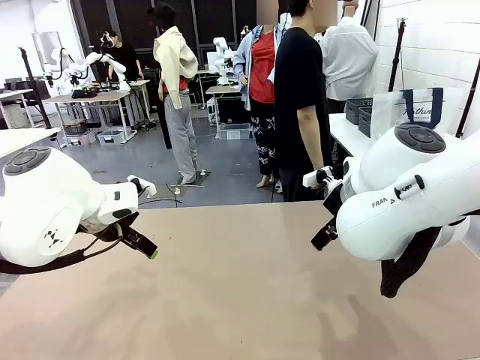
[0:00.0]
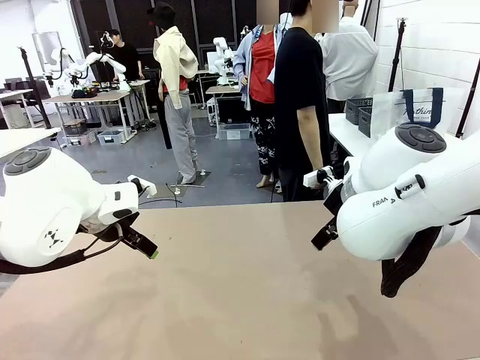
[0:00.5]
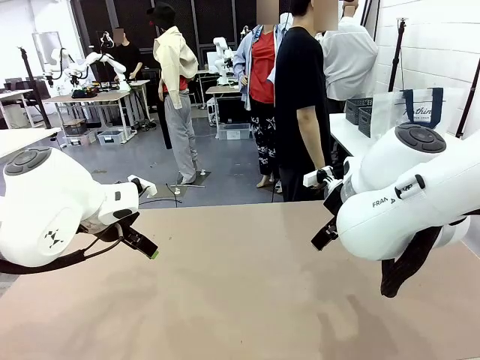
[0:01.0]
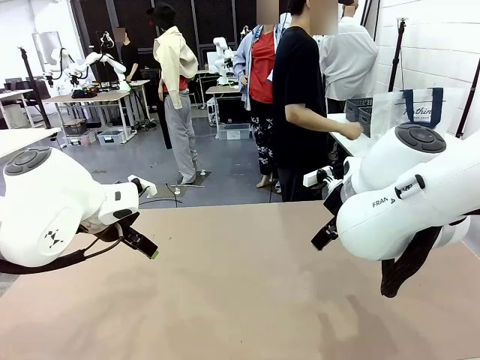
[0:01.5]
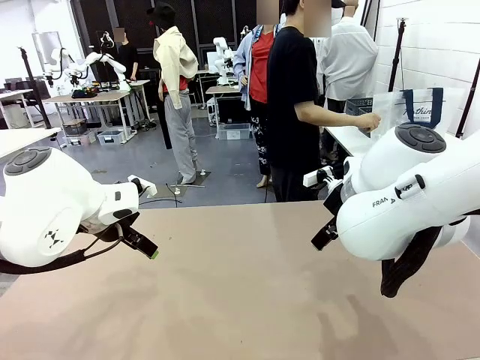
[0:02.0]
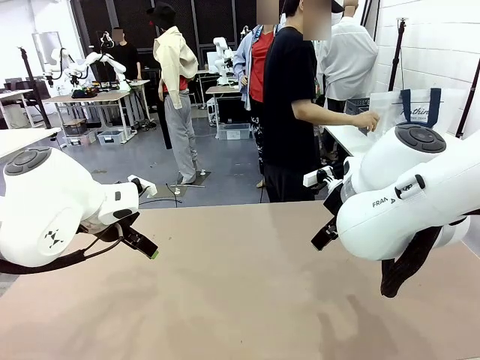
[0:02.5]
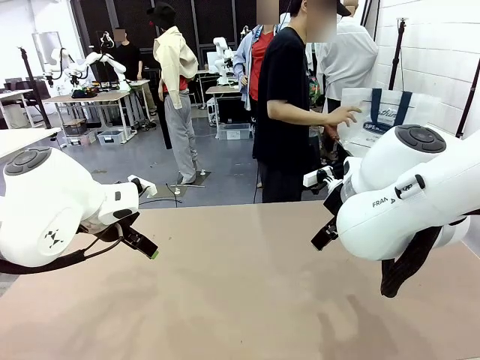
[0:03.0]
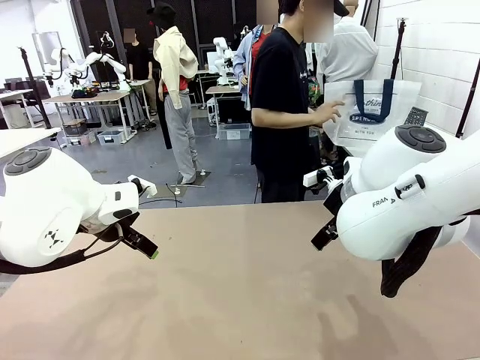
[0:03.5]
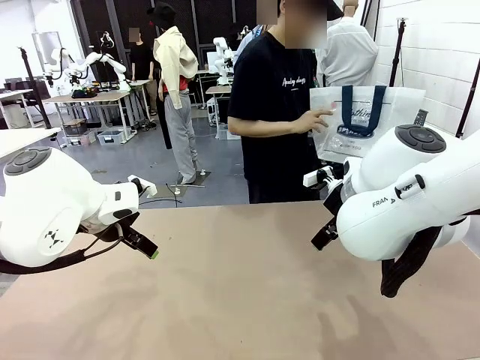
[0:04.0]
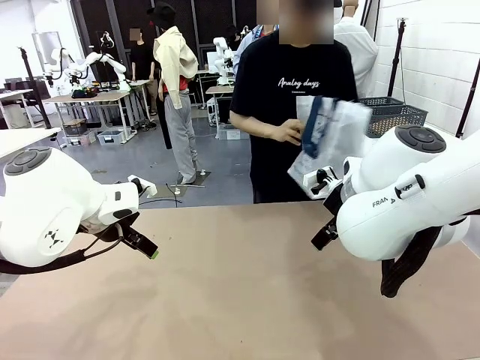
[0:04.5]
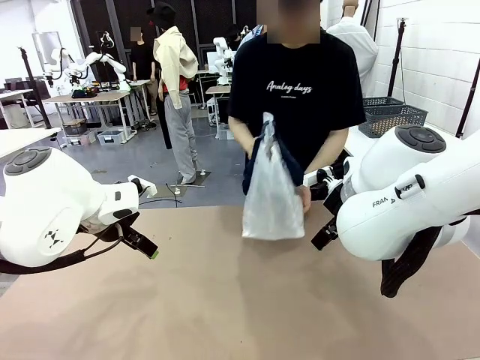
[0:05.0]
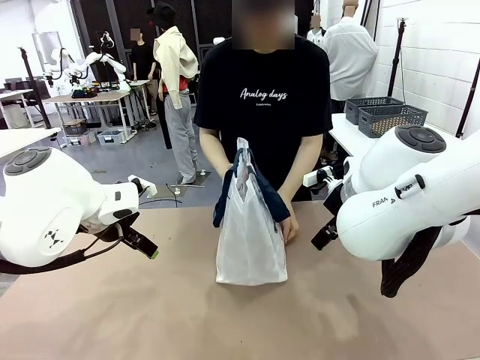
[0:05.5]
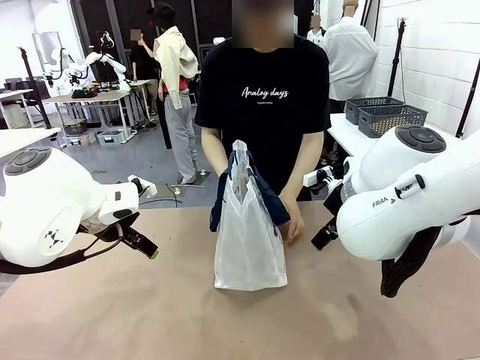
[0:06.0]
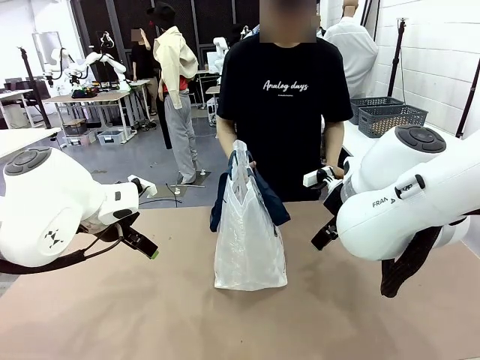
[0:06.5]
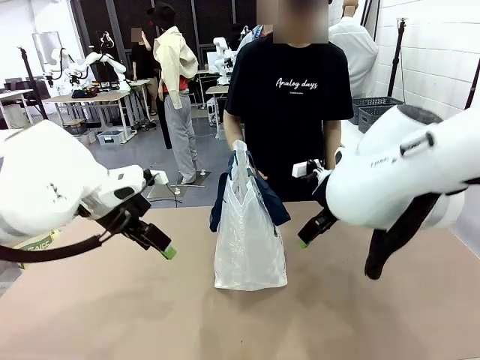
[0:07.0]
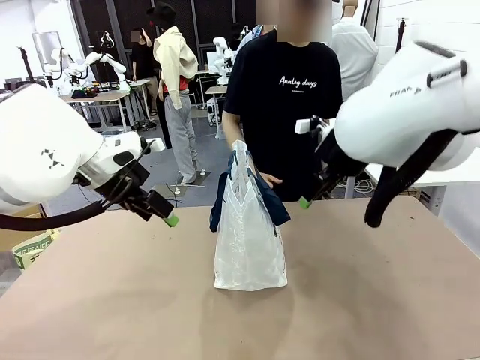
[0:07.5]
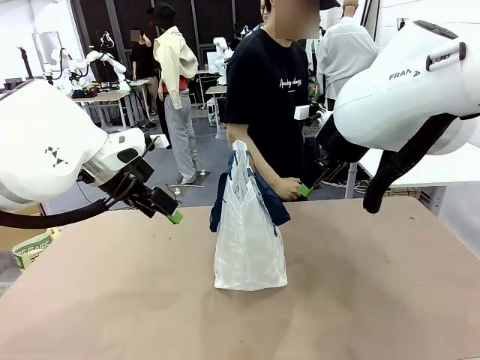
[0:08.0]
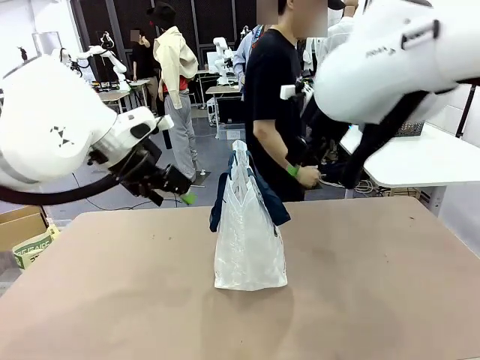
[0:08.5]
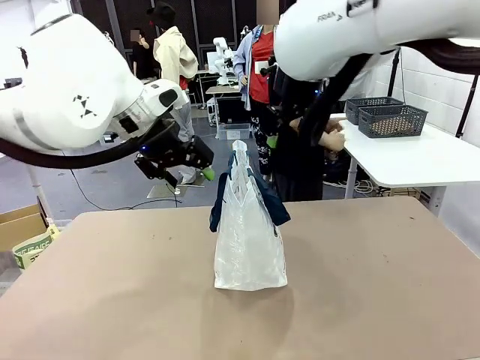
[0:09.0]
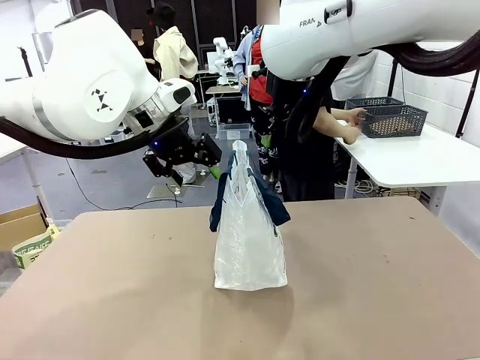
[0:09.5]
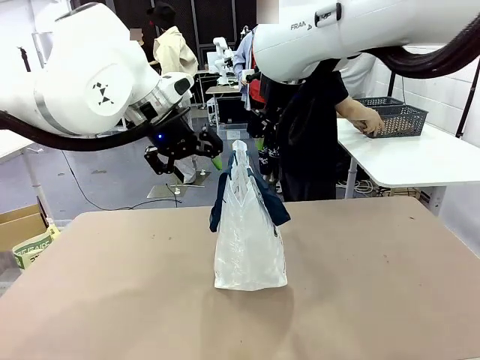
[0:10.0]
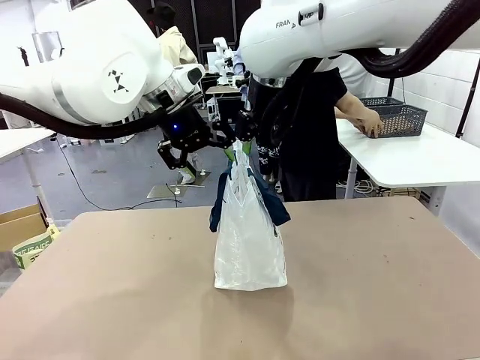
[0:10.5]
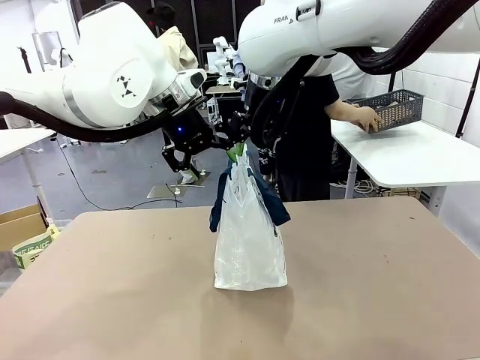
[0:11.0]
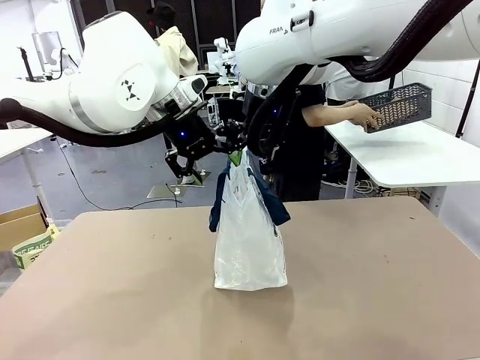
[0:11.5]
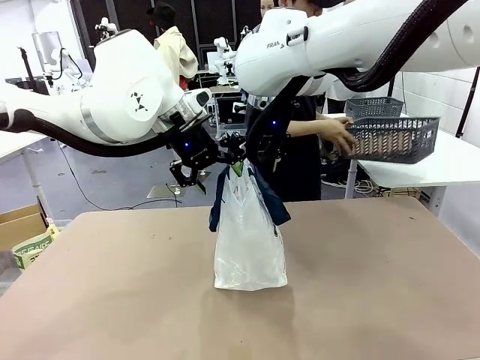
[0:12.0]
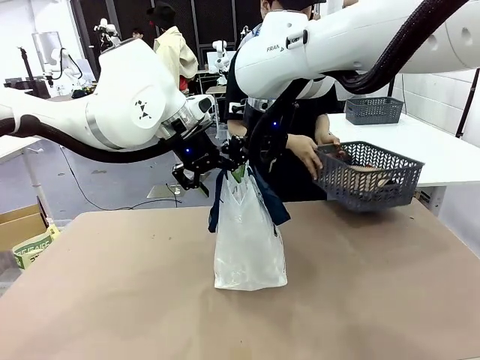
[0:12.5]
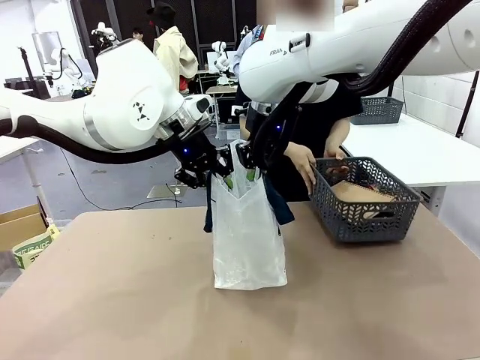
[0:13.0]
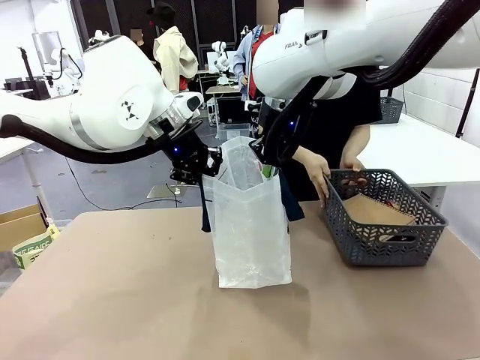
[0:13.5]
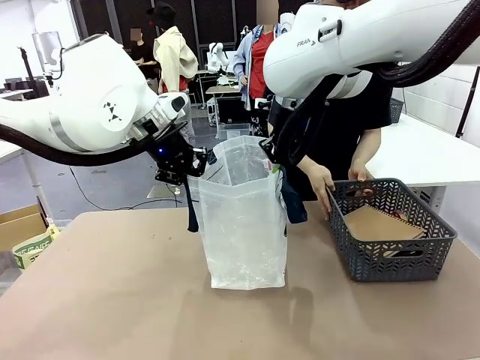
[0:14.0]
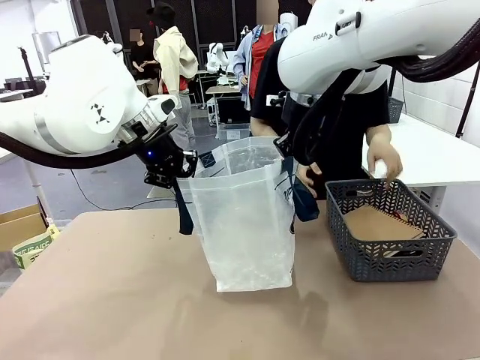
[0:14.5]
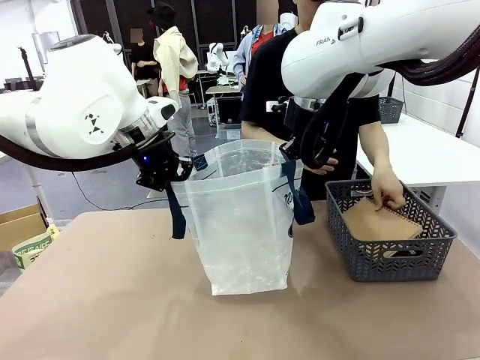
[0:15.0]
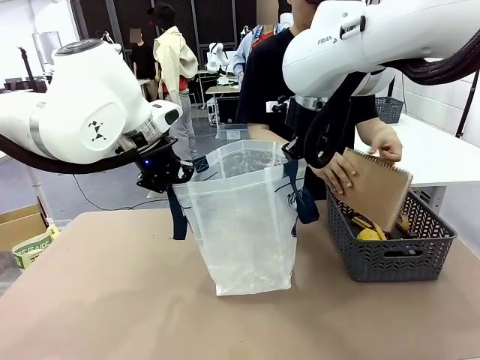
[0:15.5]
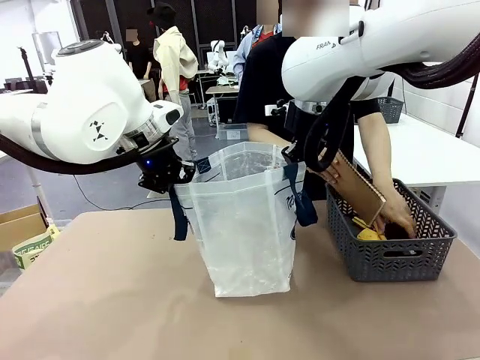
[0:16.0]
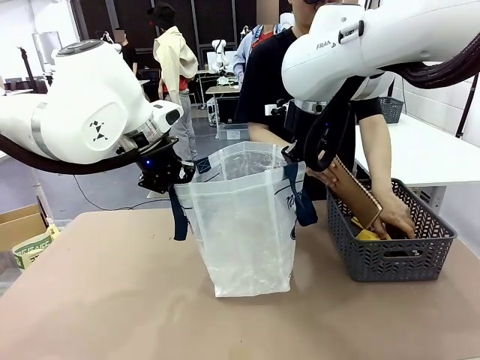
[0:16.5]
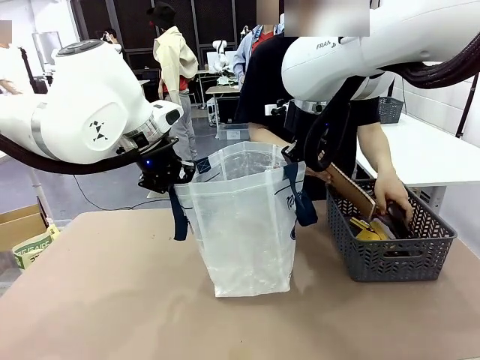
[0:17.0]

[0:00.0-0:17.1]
Task: Transfer purchased items from the store into the shopping bag.
Robot: Open the Reusable shopping bag in the center of the table.
Person: Pick up the shopping bag and place it in the middle of the robot table.

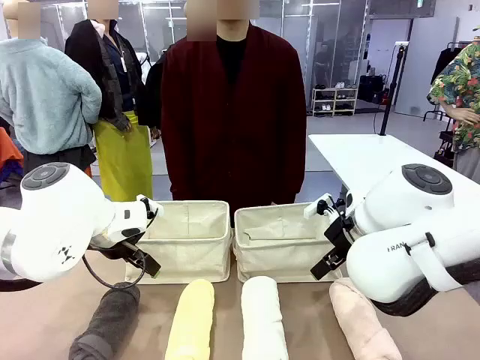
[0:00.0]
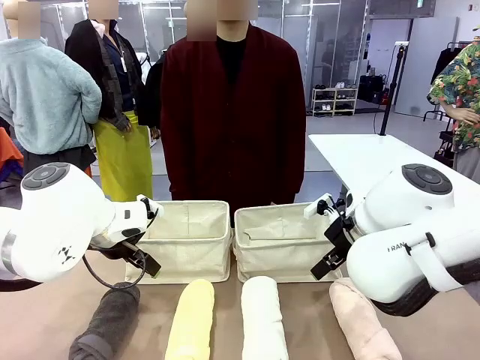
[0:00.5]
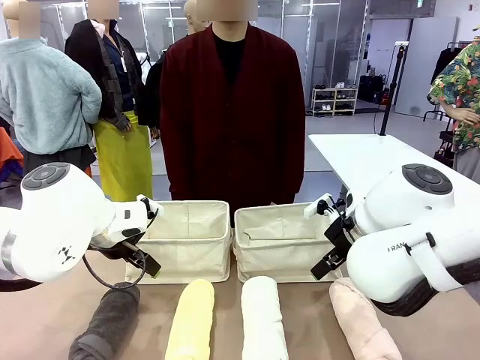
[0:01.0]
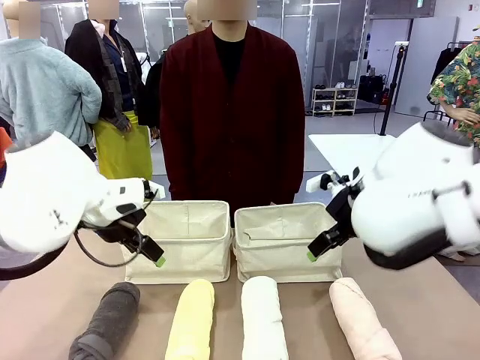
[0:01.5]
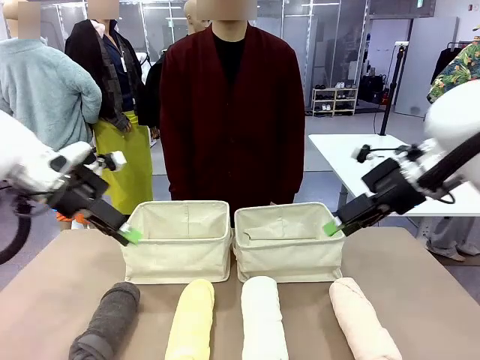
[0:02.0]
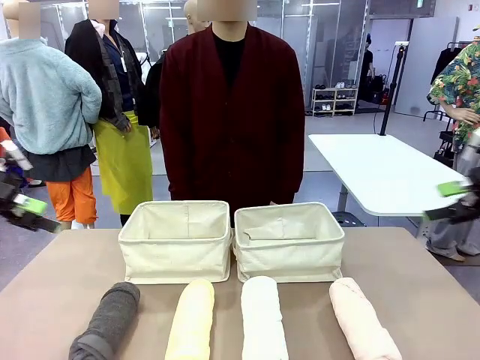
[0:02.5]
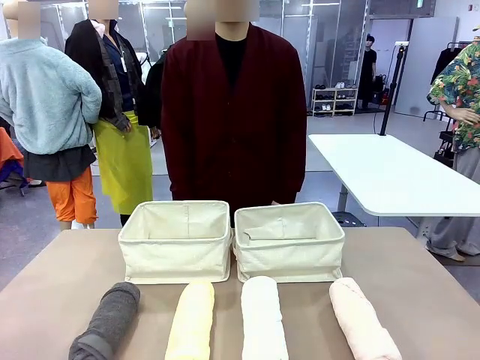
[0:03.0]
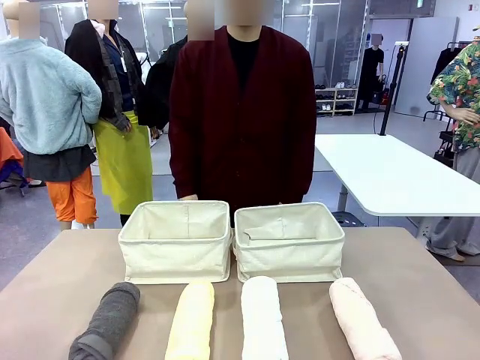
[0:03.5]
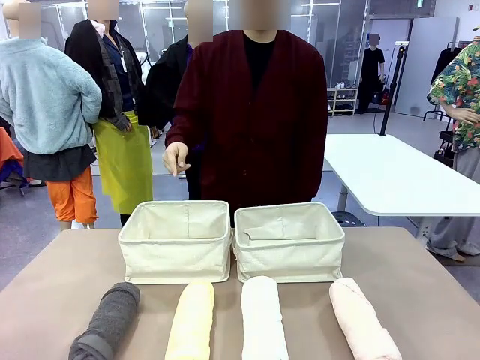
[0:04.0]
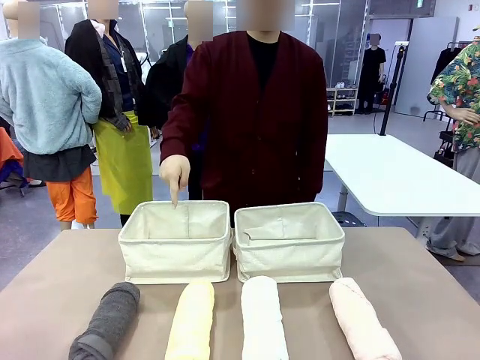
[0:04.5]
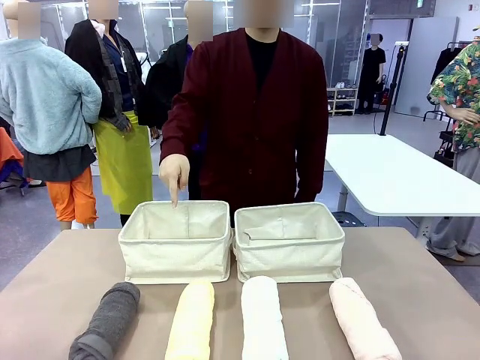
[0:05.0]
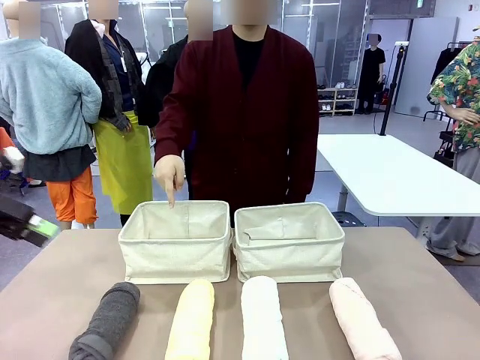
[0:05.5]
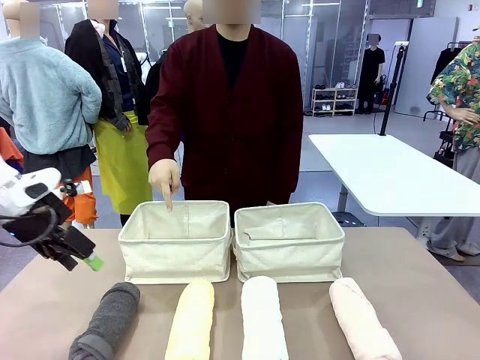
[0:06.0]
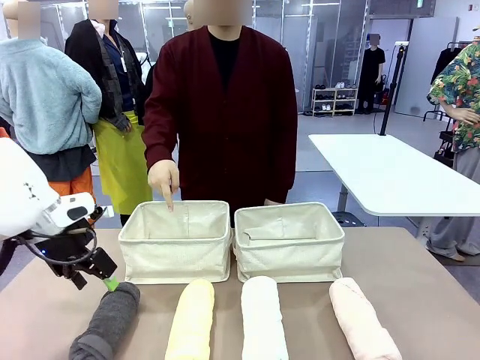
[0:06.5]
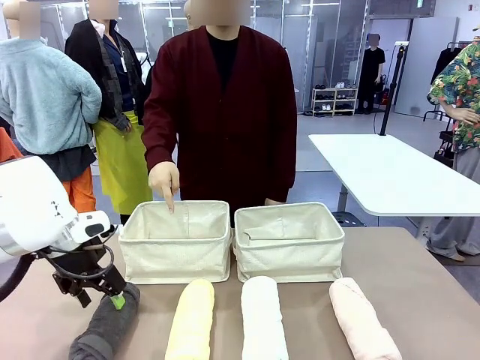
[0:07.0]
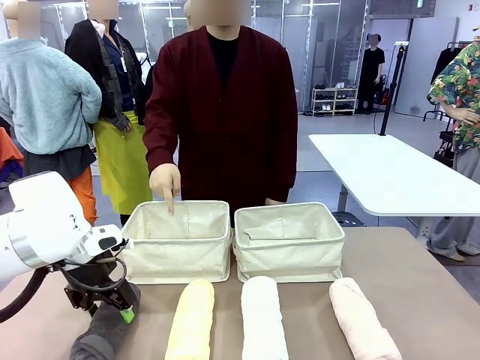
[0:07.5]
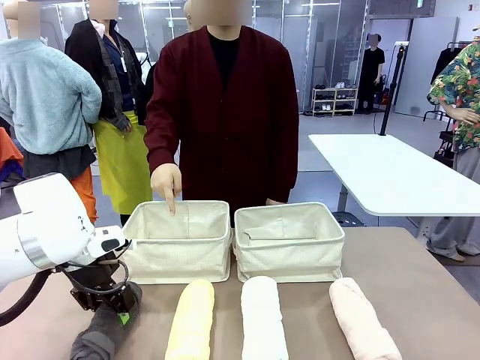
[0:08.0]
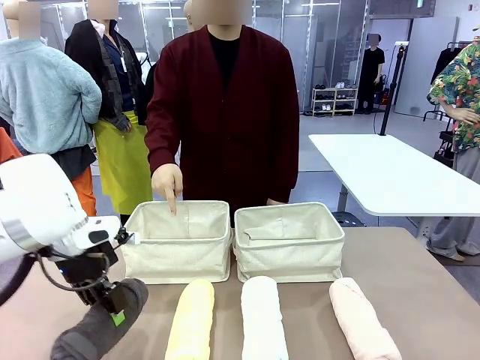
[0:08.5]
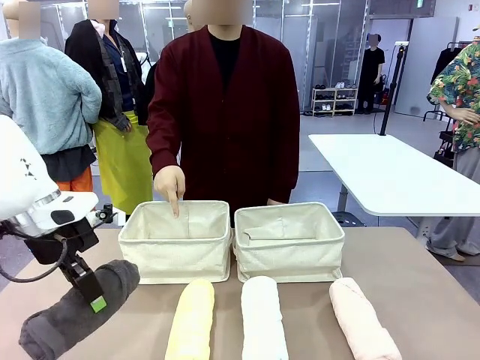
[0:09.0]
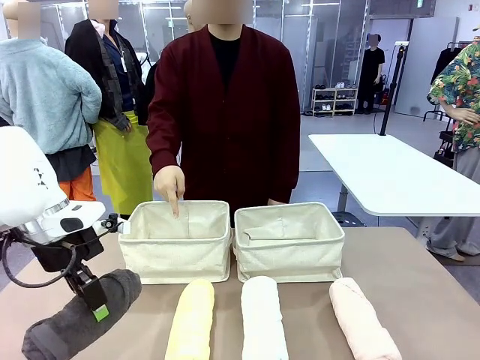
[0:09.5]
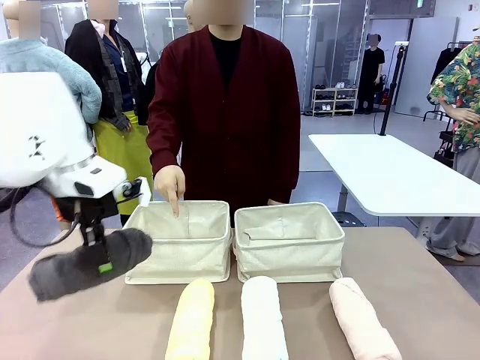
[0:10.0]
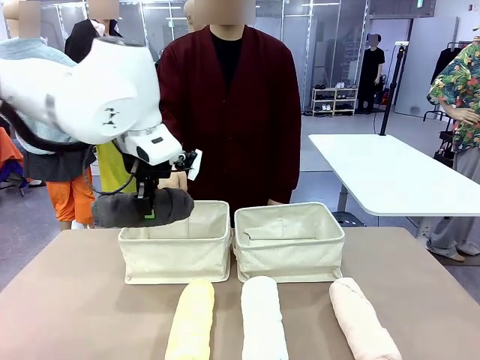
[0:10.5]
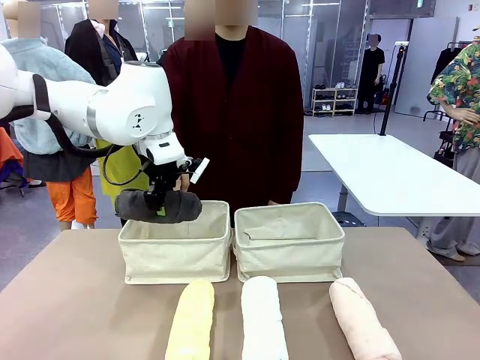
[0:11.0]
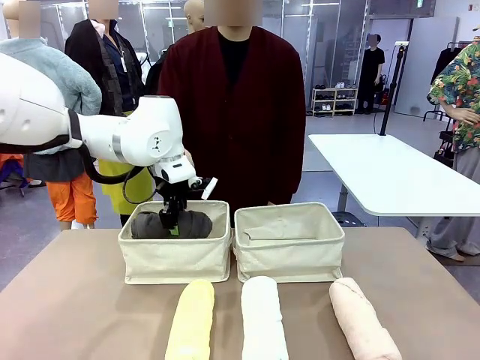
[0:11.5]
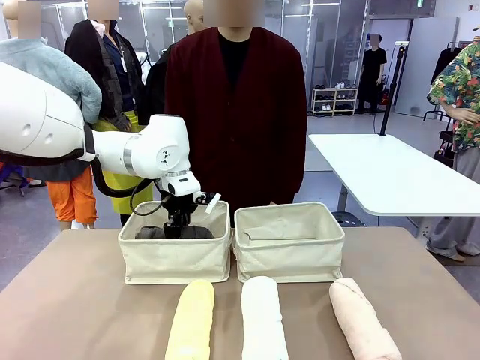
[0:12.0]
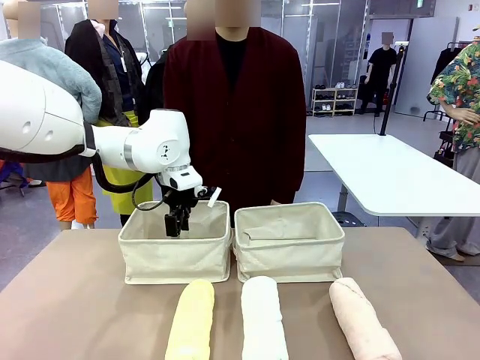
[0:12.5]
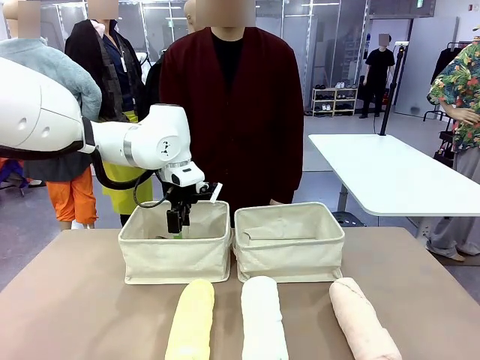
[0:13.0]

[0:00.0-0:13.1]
Task: Divide the towels into two baskets.
Robot: Pick up one hotel-folded towel and place it in the Fabric basket indicated by the person.
